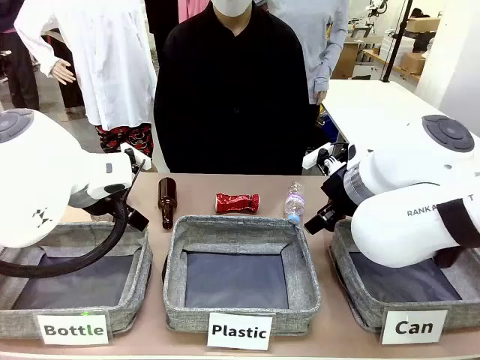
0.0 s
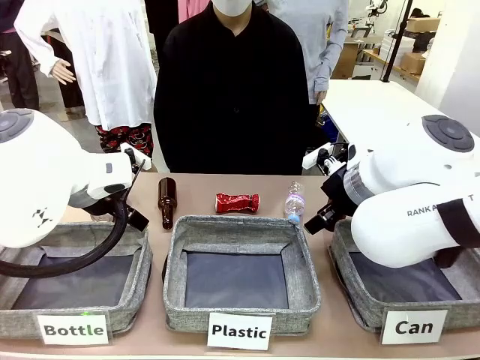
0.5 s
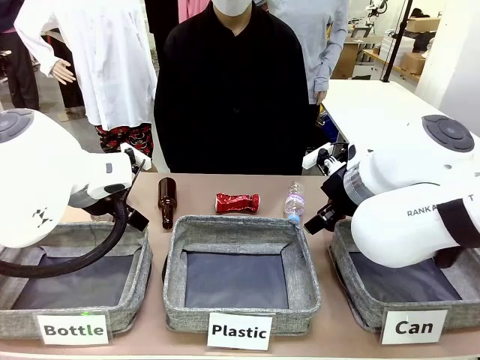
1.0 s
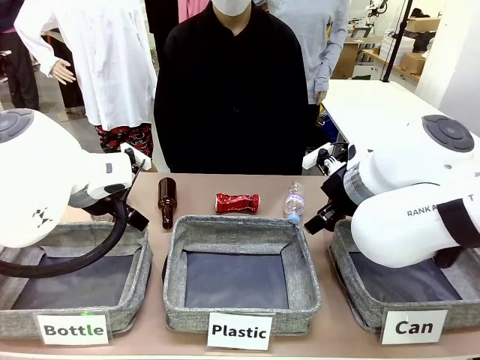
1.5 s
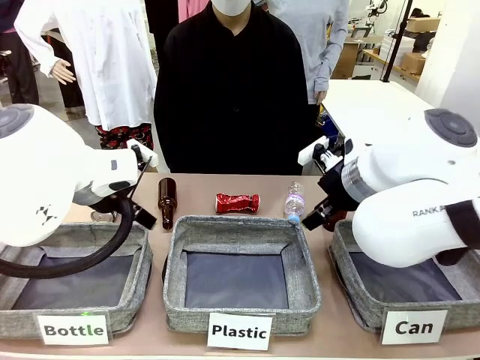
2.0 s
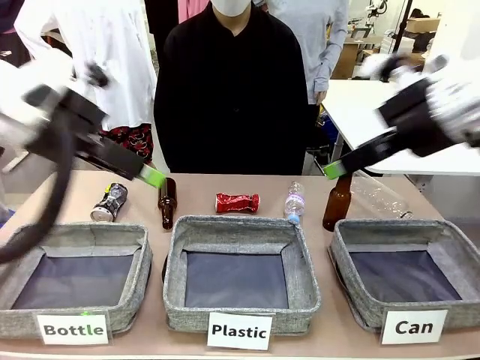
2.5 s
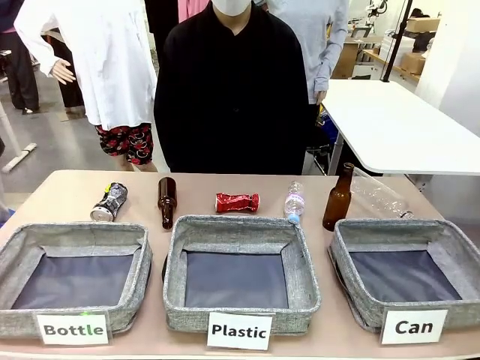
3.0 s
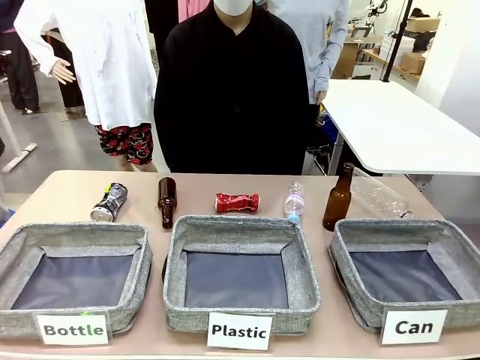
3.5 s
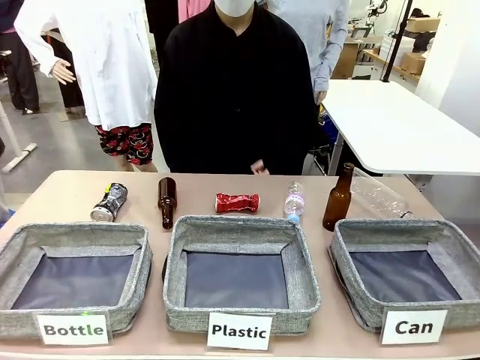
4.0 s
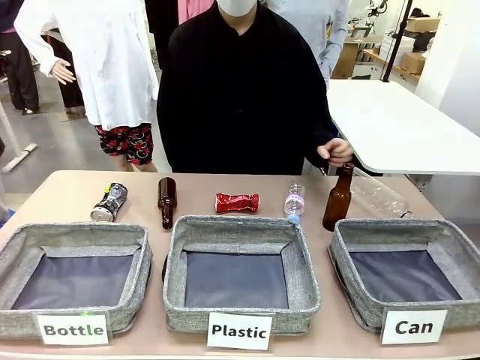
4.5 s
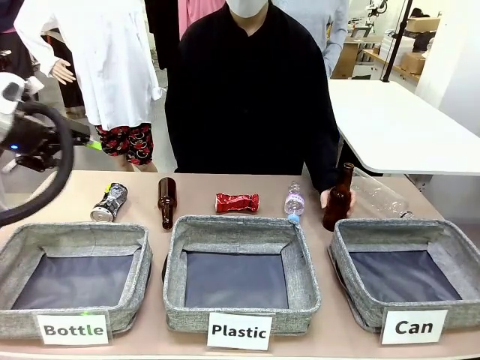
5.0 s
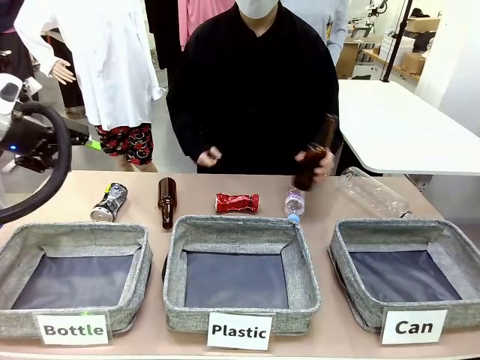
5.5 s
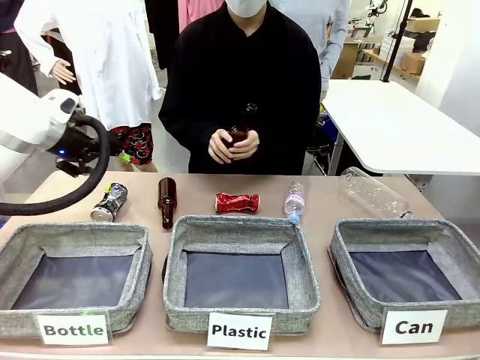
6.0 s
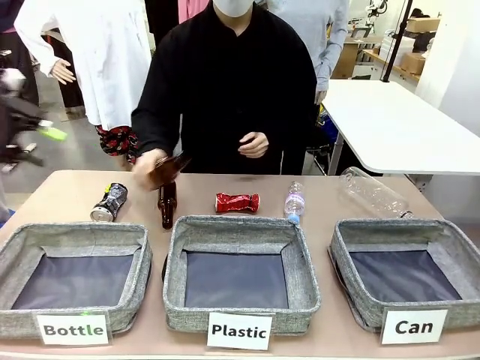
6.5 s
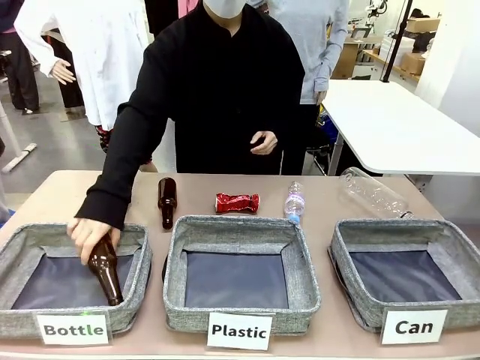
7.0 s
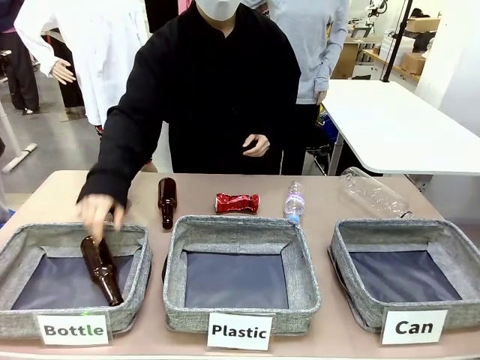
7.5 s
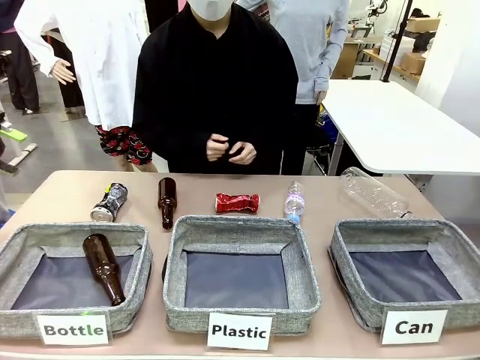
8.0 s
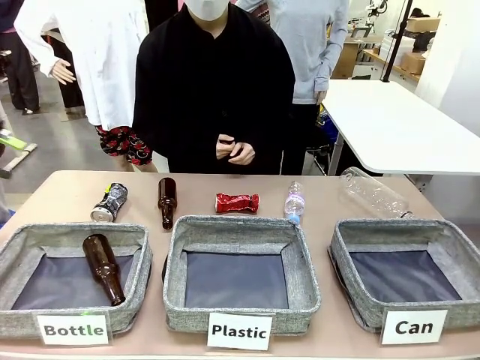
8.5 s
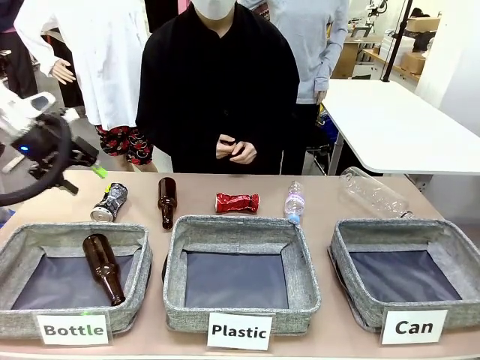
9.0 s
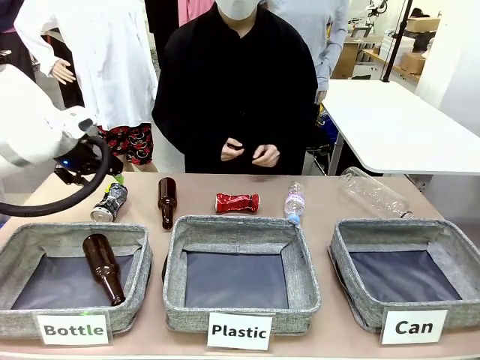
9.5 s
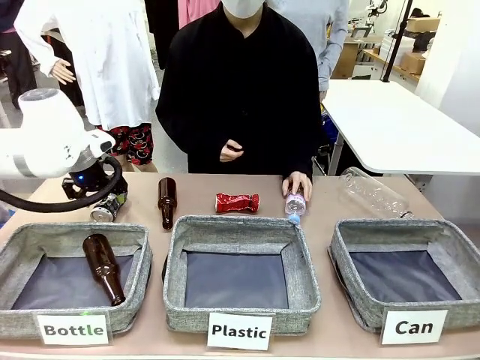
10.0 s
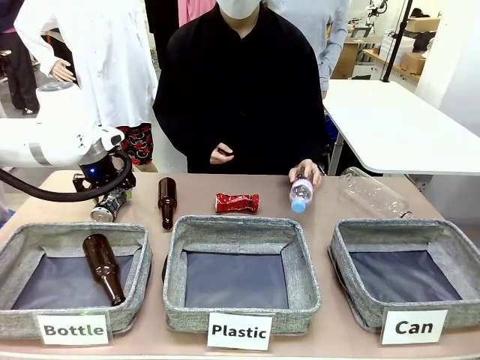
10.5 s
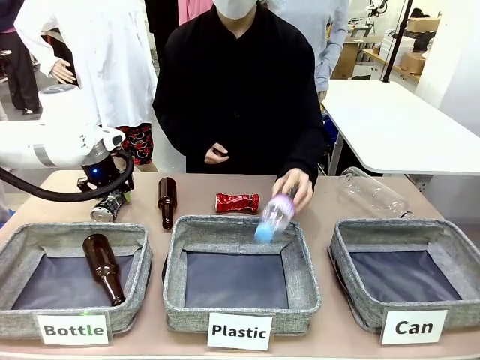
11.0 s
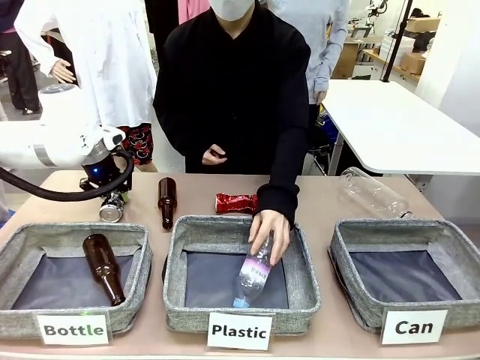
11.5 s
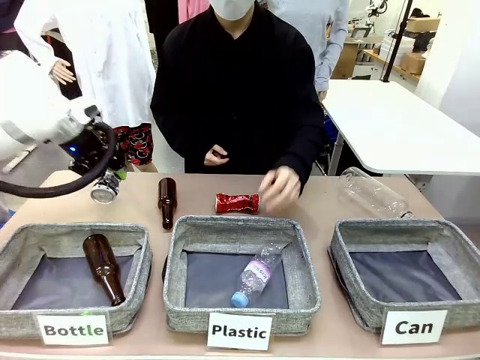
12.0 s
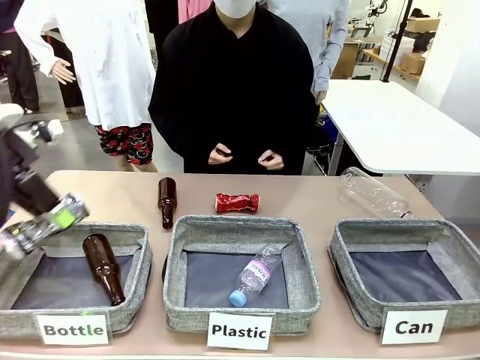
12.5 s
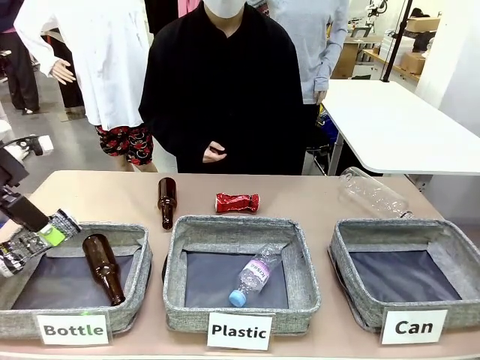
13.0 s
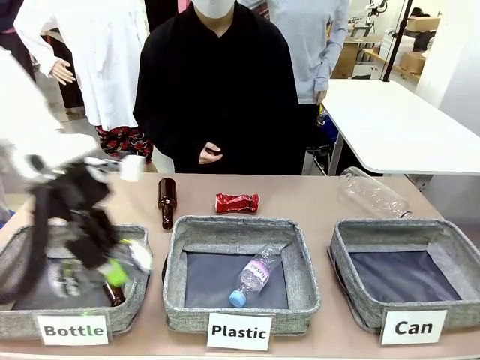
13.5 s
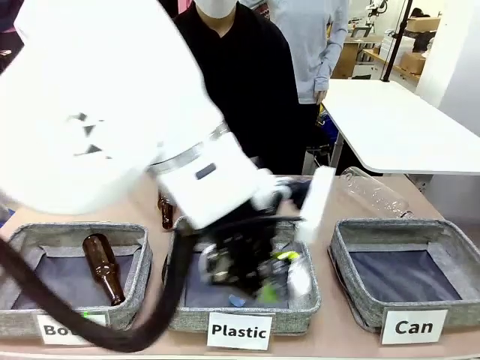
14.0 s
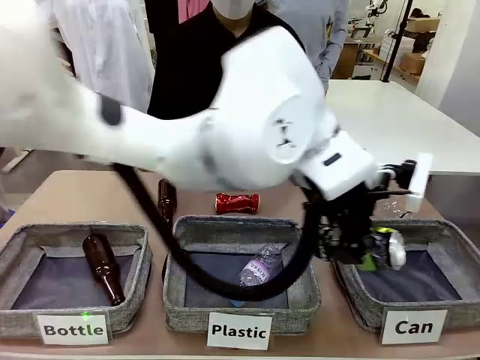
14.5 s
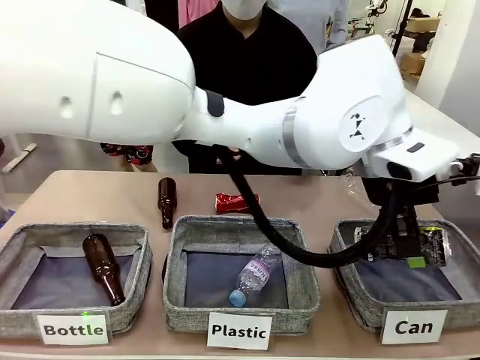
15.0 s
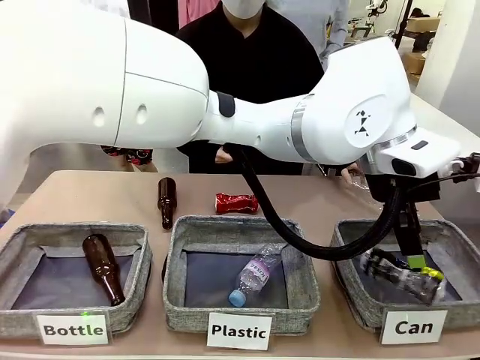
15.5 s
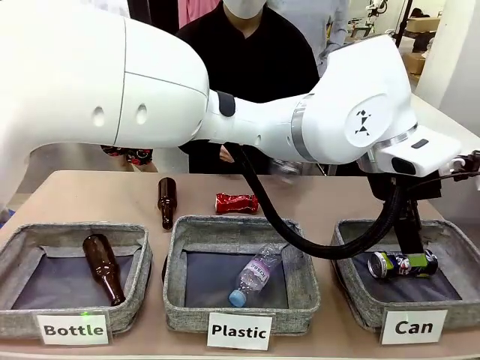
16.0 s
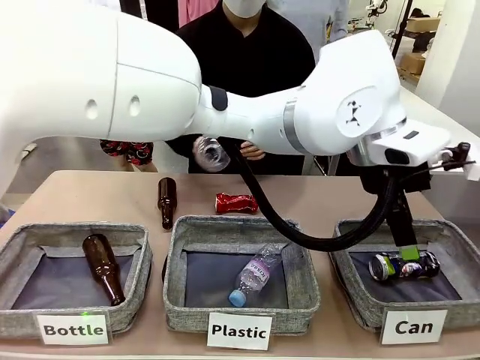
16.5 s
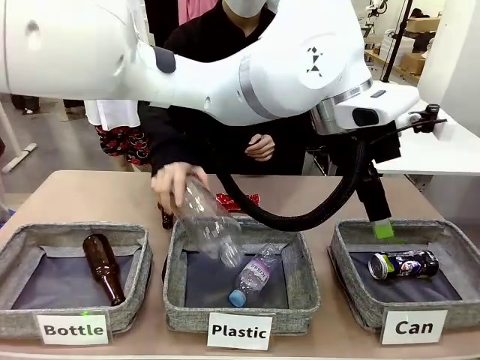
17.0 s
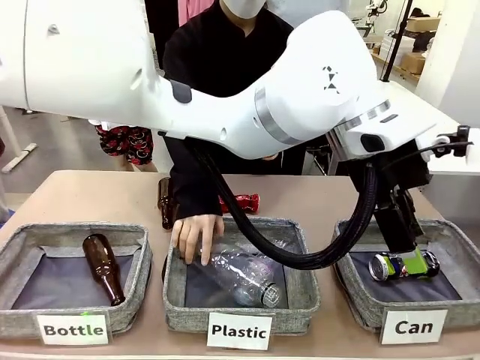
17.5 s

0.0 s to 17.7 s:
Task: Sort the can waste into the basket.
Robot: Pick up the can waste from the table and place it in the right Fabric basket.

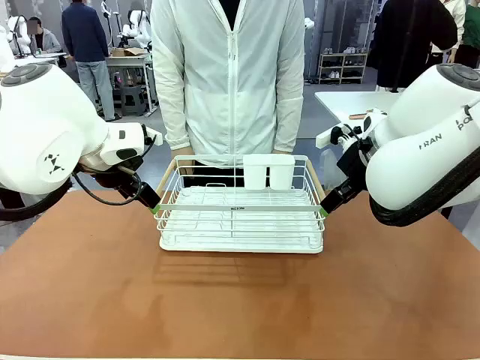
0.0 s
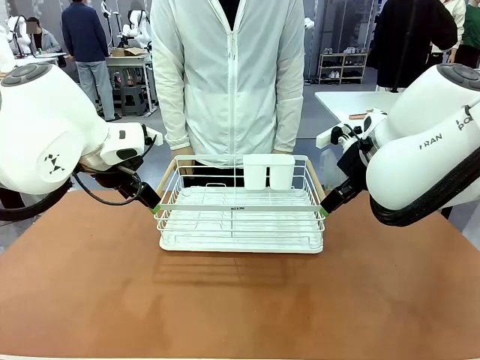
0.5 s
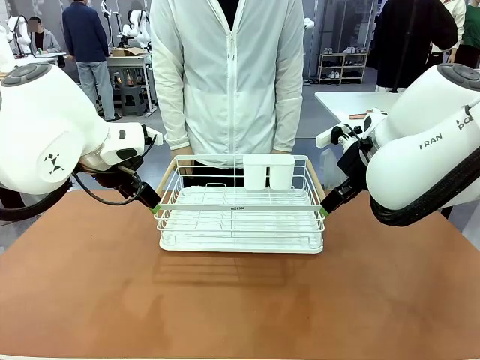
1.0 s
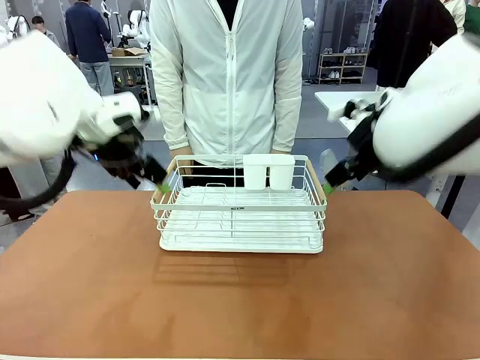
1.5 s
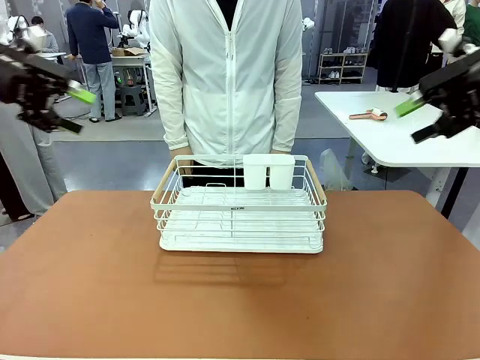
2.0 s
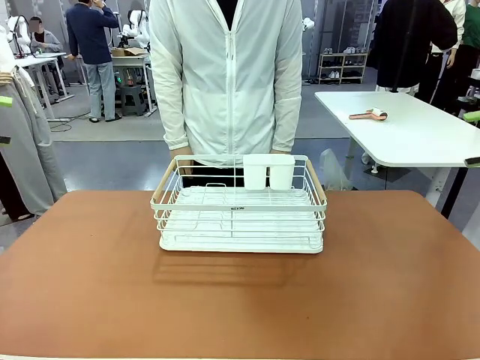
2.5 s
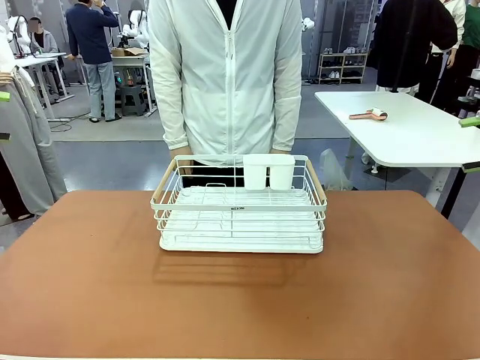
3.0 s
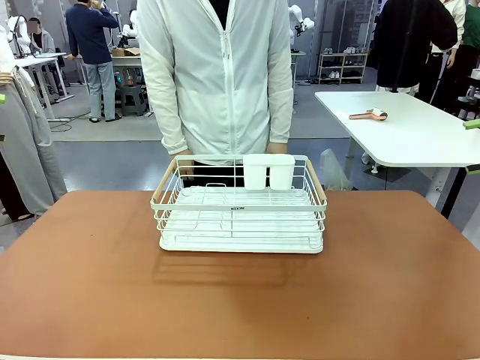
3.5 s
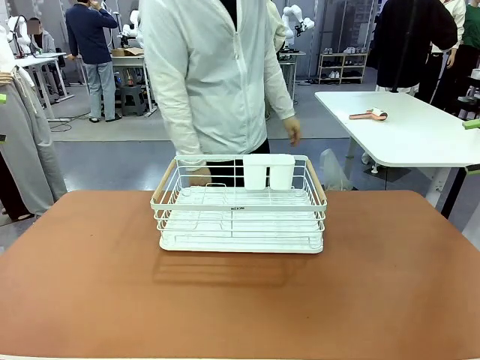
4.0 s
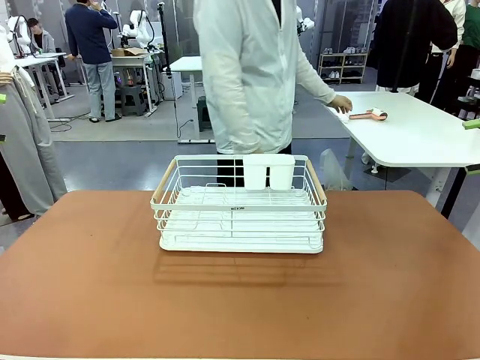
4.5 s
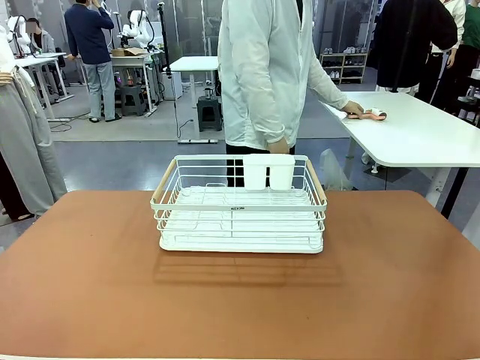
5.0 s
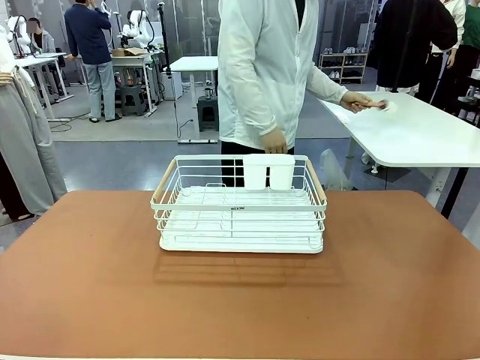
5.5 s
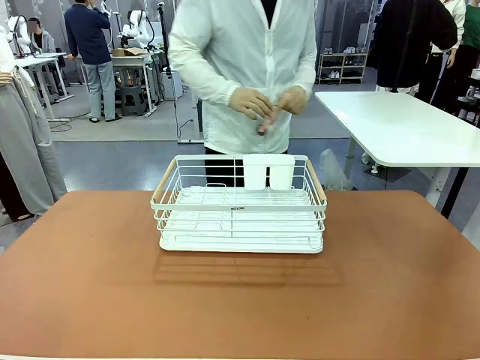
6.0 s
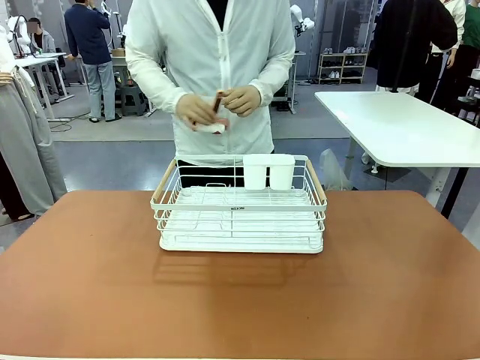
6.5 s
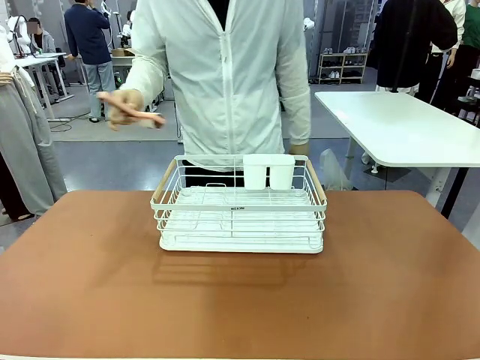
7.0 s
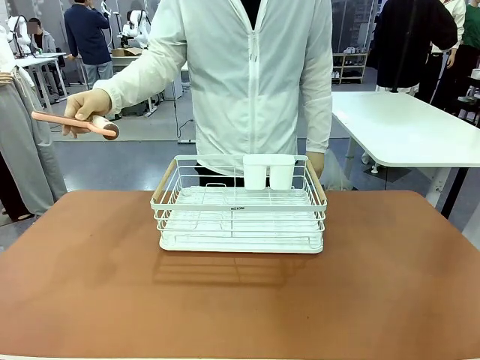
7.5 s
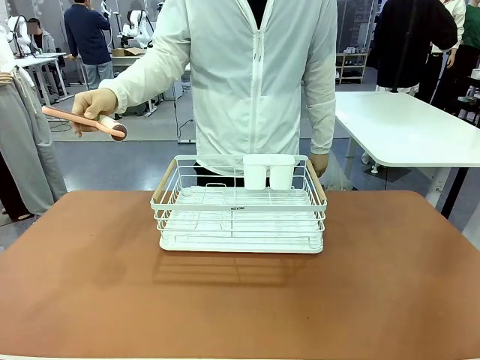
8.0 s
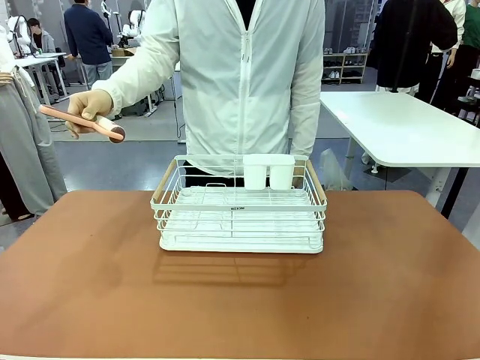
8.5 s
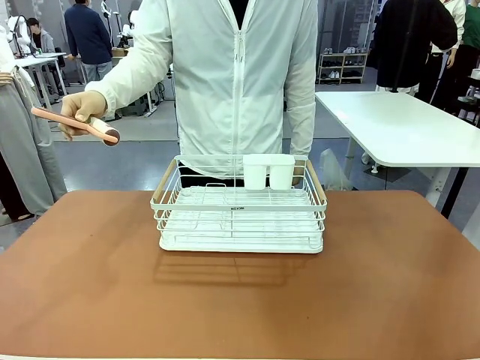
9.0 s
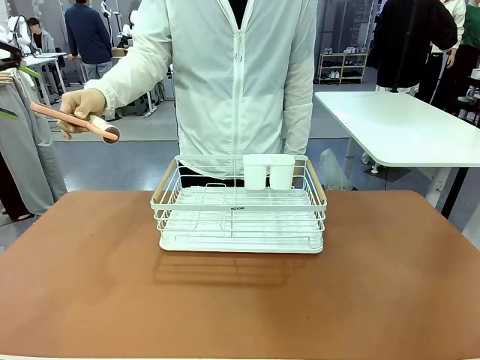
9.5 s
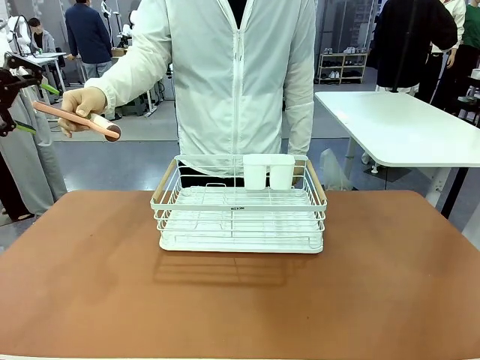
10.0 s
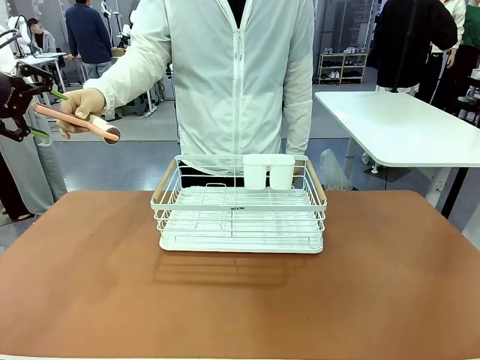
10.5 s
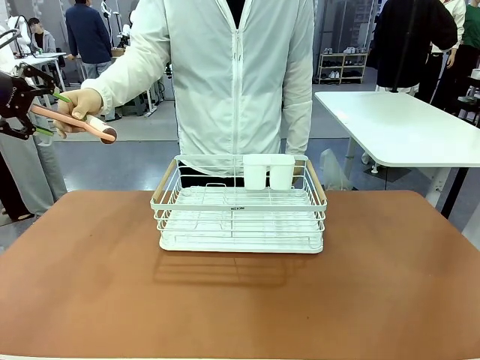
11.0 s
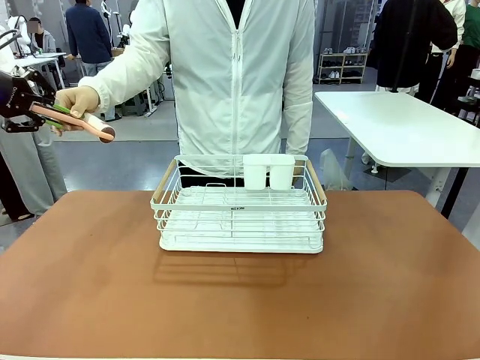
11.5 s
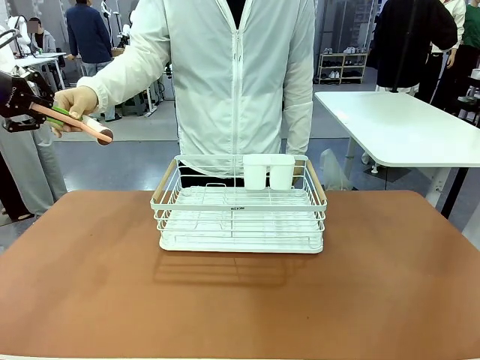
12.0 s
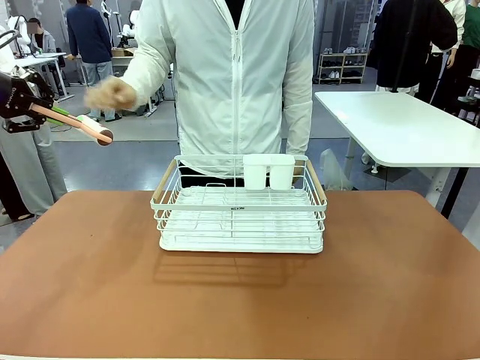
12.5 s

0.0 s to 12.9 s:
Task: Clean the table.
Robot: Pick up the Lint Roller when the human hands it over.
Person: Hand the Lint Roller to the robot so it can easily pick it up. Lift the Dish drying rack.
